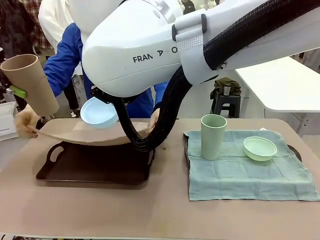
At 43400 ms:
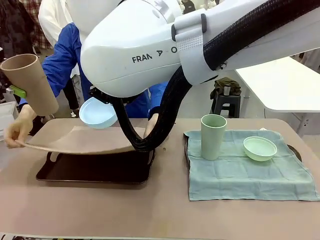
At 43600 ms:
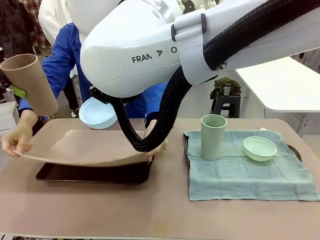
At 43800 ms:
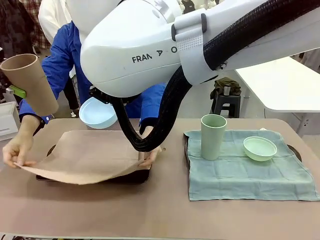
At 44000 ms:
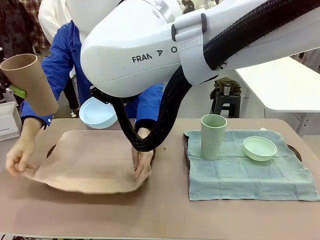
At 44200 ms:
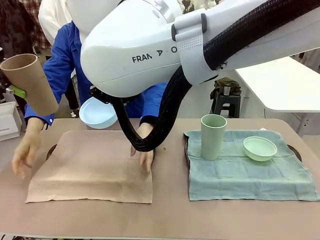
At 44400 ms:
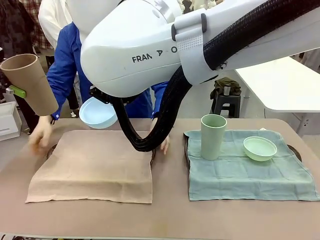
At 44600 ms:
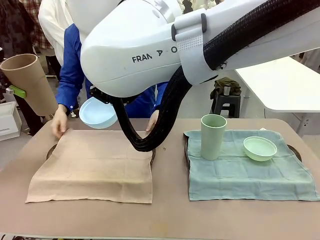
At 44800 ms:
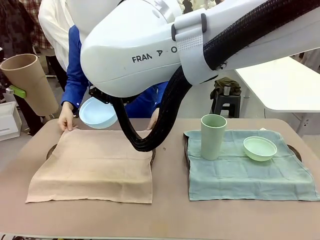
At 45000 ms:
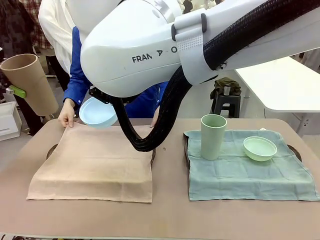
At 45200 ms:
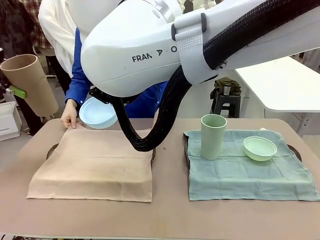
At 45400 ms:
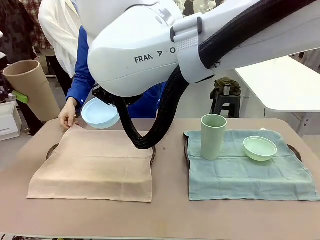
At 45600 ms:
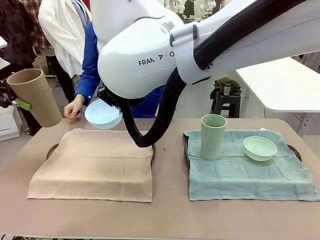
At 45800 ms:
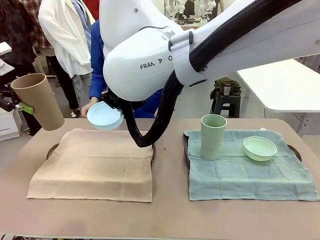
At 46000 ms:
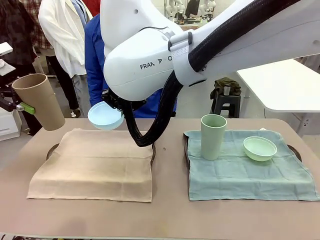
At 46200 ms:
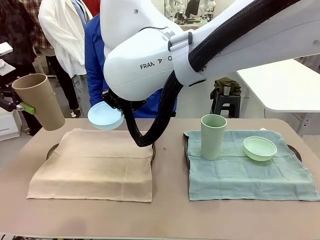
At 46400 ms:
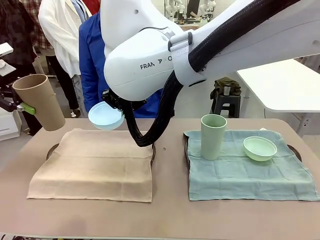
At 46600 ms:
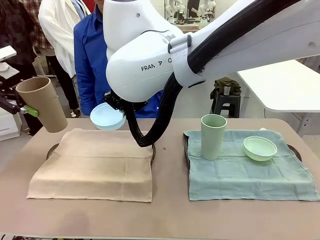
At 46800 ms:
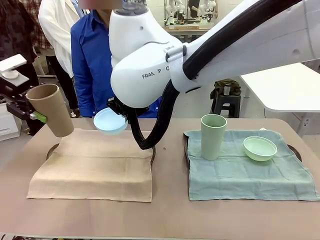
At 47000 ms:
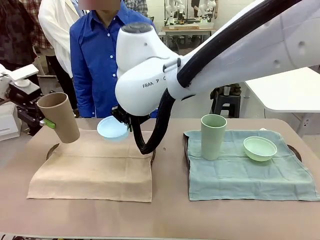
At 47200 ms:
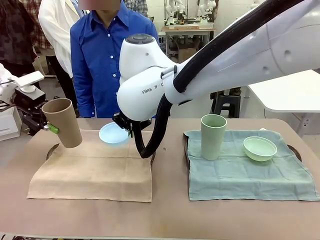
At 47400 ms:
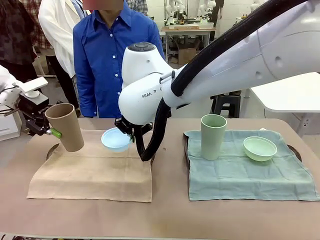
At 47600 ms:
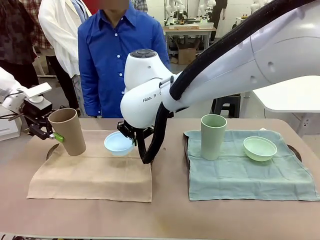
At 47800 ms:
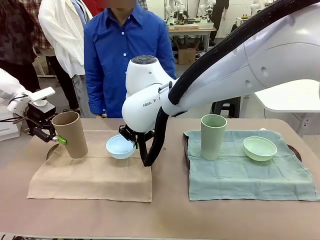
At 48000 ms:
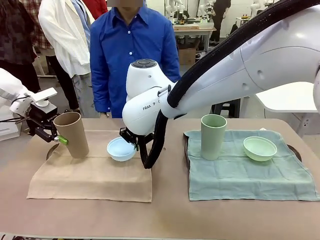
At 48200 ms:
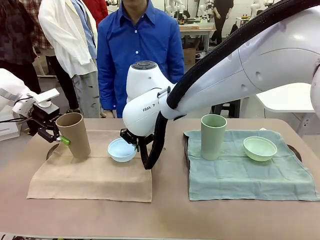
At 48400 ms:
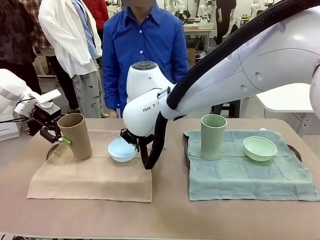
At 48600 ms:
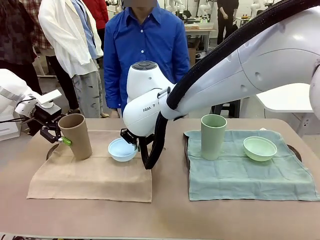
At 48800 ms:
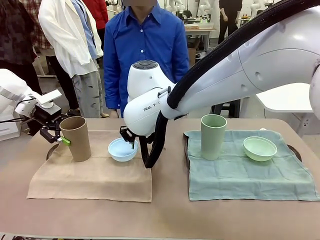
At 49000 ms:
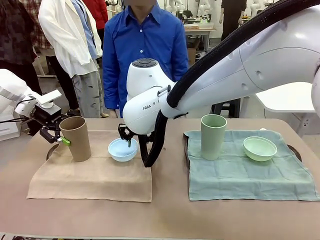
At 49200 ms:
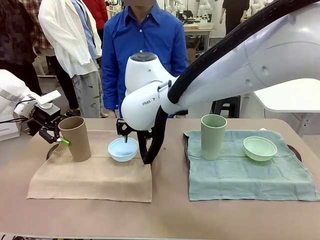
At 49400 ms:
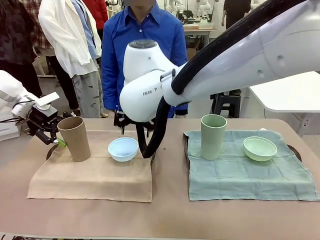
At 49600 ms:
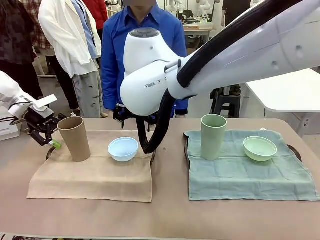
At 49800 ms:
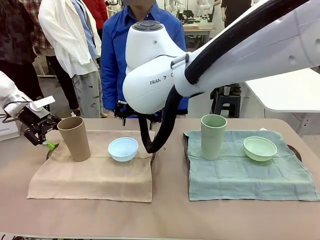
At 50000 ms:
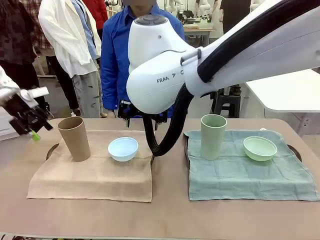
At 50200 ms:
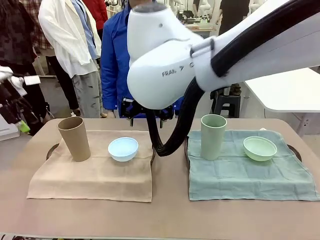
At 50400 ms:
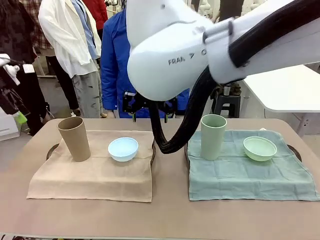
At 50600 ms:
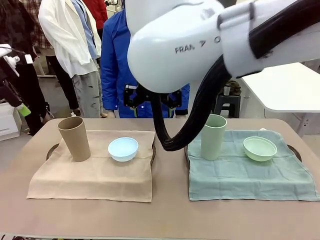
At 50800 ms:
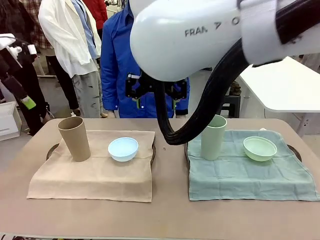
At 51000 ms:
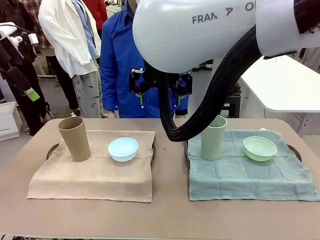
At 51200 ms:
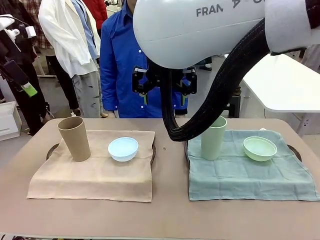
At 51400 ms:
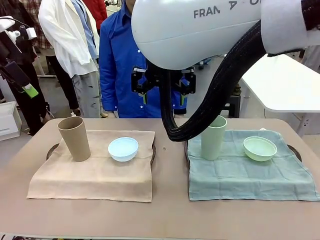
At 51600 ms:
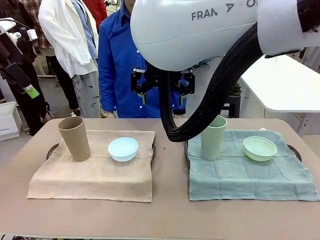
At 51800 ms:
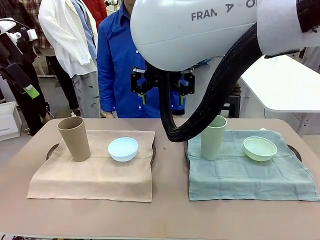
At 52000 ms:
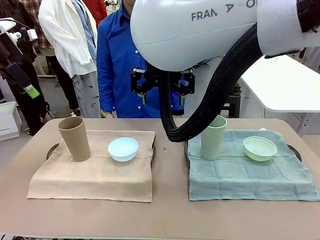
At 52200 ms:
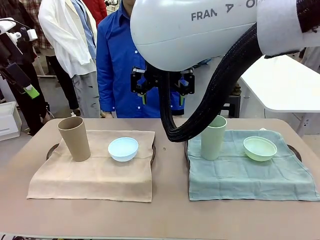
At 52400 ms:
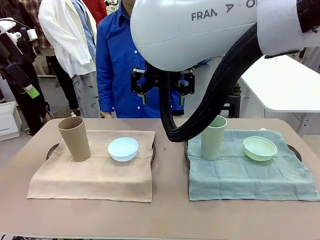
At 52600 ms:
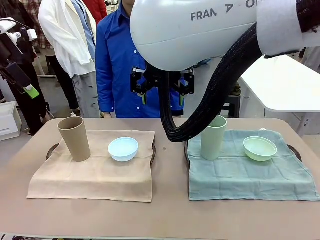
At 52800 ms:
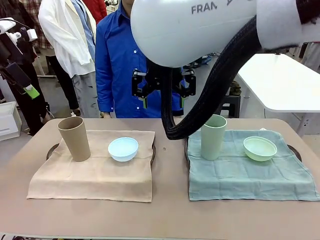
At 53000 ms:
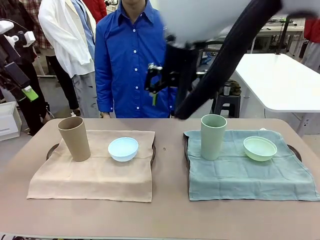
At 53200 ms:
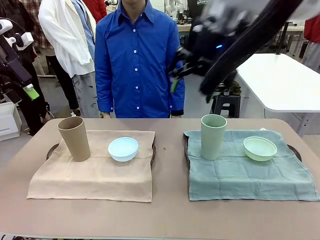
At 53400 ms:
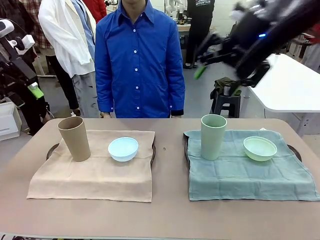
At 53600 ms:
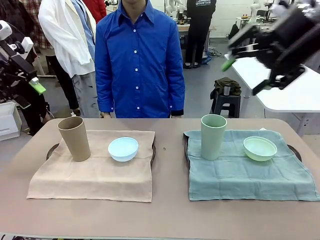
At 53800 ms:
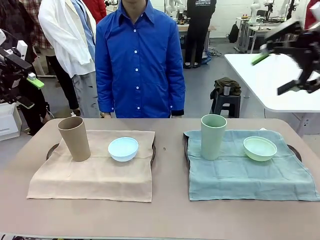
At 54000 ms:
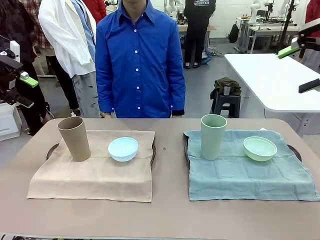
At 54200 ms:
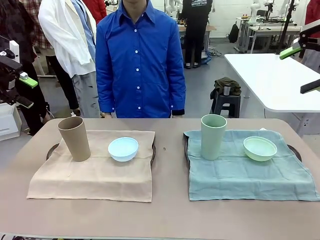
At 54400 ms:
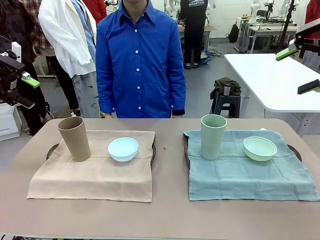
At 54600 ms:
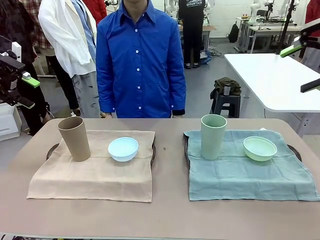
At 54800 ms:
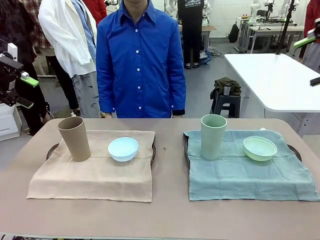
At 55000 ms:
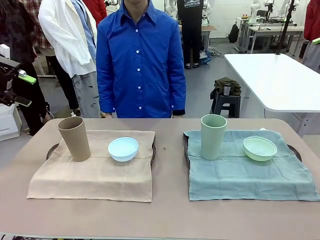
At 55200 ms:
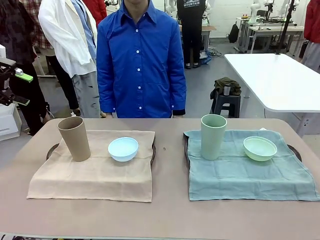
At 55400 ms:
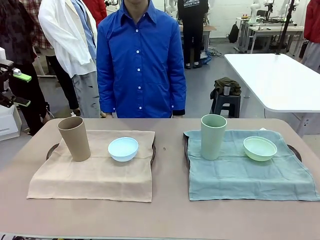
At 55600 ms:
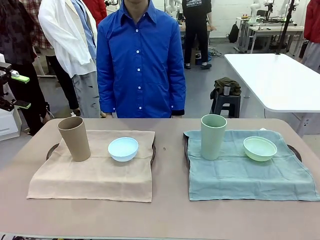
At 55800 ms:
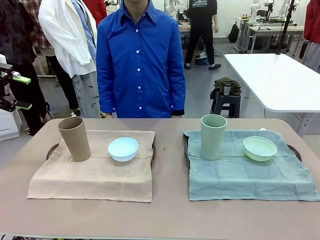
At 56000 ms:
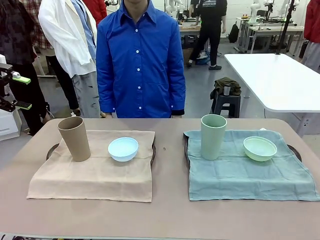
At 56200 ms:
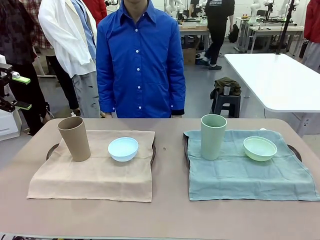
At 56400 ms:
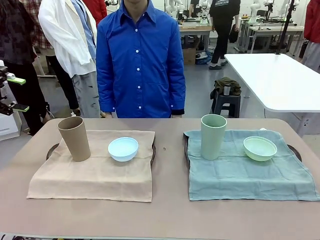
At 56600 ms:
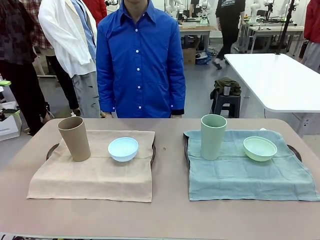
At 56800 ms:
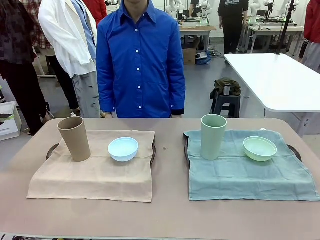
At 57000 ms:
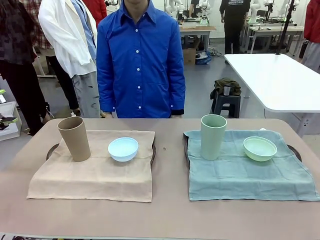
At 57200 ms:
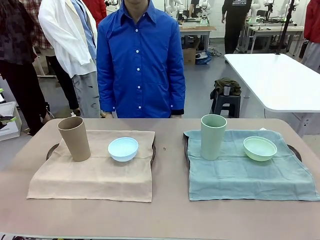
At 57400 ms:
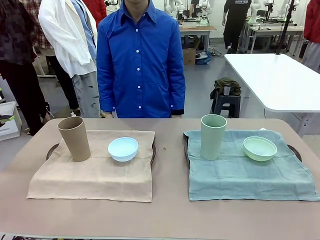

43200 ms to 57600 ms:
Robot: Place the Picnic Bowl and Reusable plastic cup back onto the Handle tray in front of the human's position.
Person: When the robot lifts the bowl and the cup, the human unfolds the napkin and lays the napkin flat on the tray.

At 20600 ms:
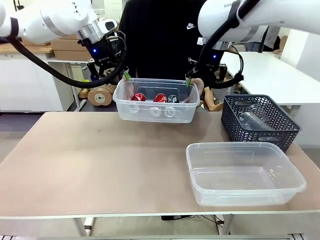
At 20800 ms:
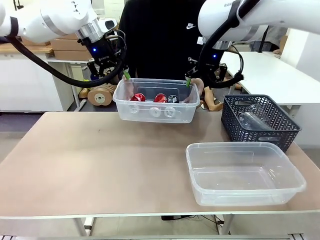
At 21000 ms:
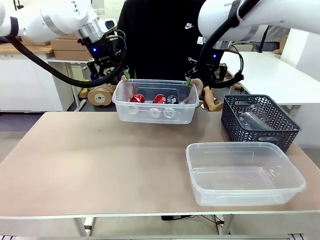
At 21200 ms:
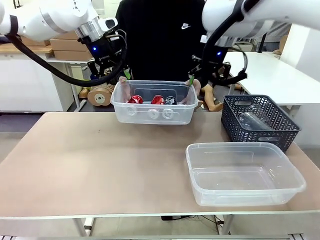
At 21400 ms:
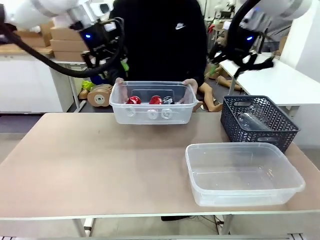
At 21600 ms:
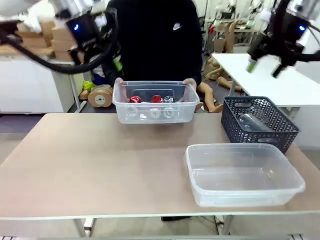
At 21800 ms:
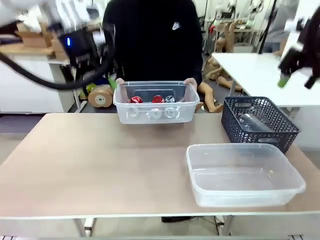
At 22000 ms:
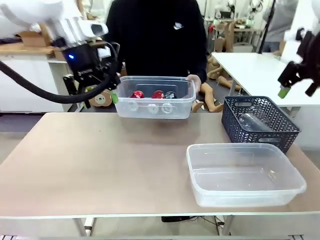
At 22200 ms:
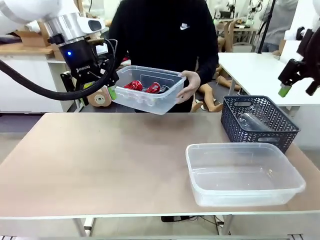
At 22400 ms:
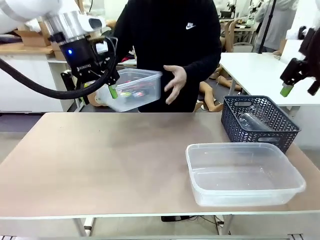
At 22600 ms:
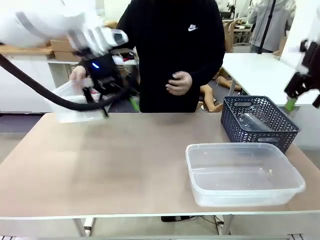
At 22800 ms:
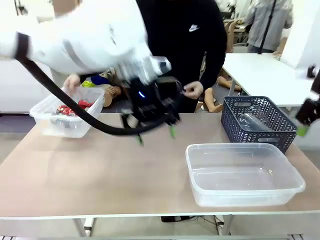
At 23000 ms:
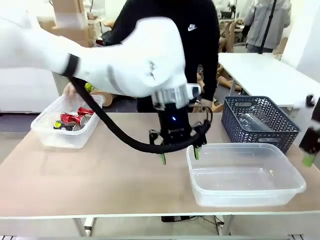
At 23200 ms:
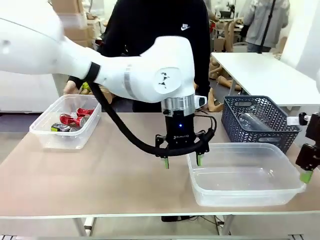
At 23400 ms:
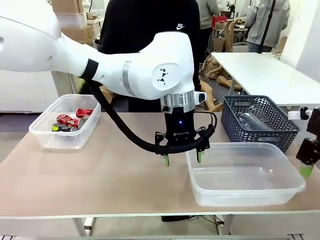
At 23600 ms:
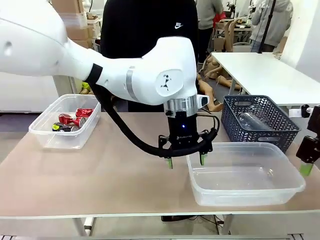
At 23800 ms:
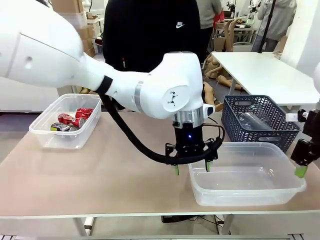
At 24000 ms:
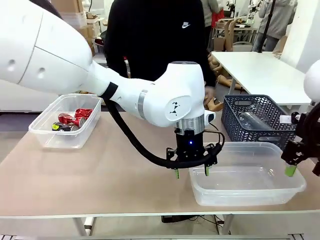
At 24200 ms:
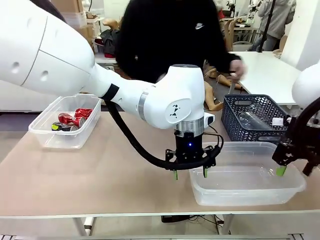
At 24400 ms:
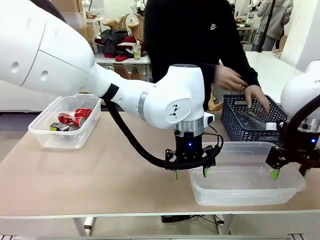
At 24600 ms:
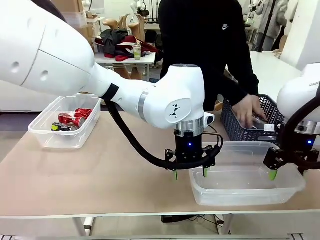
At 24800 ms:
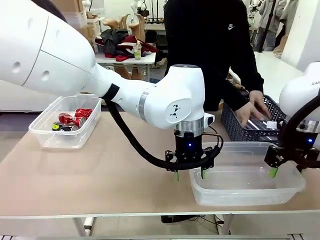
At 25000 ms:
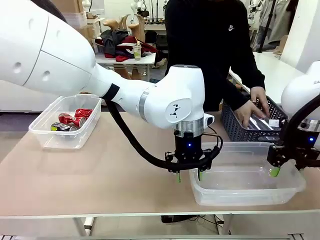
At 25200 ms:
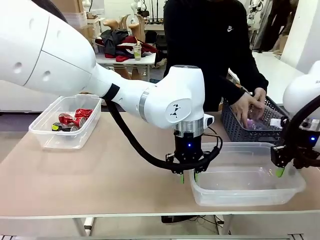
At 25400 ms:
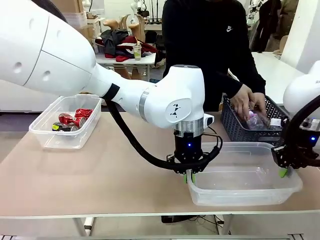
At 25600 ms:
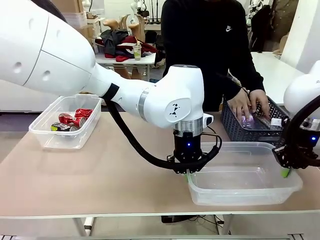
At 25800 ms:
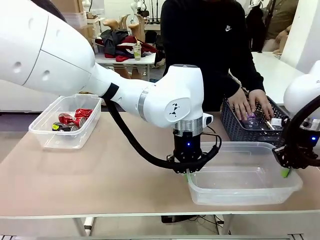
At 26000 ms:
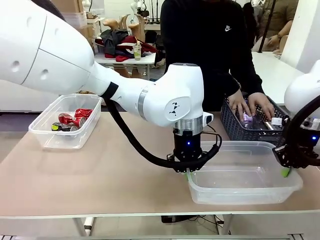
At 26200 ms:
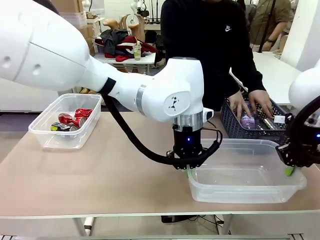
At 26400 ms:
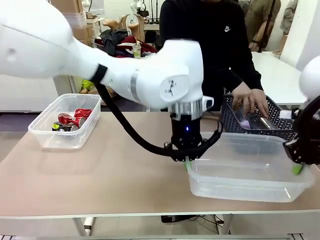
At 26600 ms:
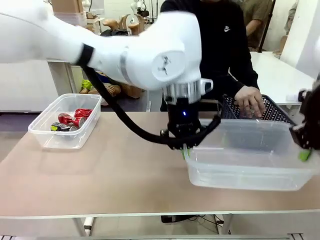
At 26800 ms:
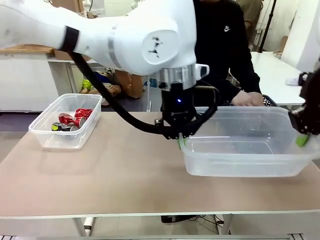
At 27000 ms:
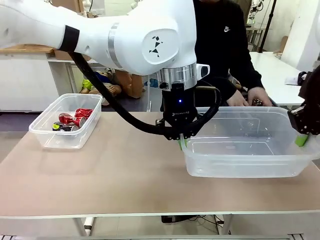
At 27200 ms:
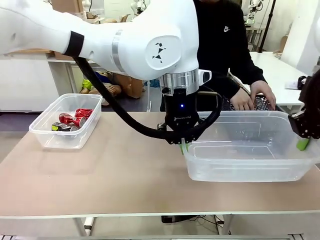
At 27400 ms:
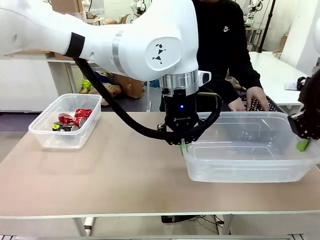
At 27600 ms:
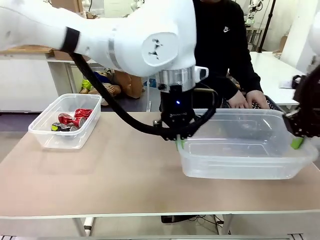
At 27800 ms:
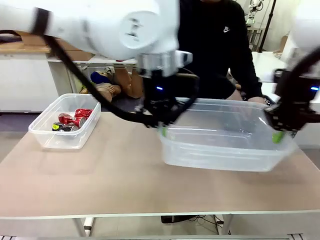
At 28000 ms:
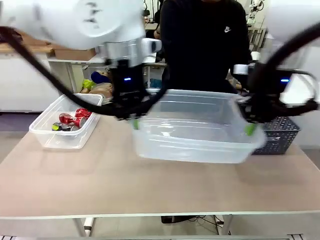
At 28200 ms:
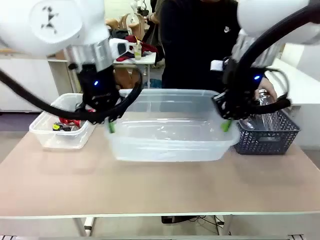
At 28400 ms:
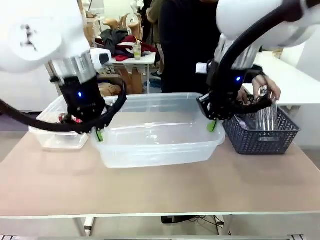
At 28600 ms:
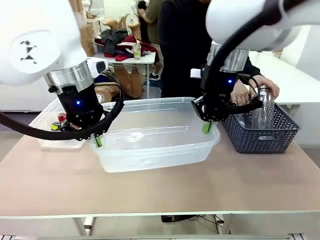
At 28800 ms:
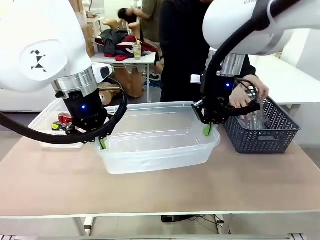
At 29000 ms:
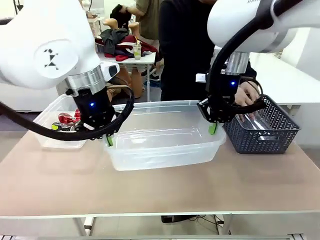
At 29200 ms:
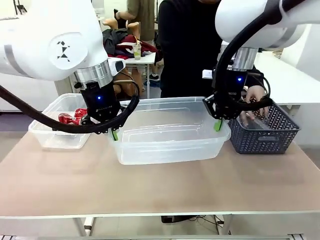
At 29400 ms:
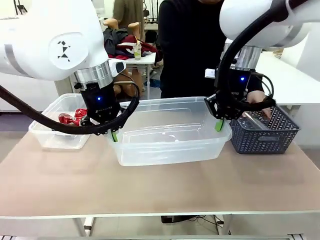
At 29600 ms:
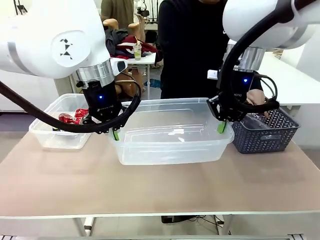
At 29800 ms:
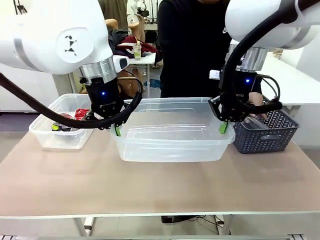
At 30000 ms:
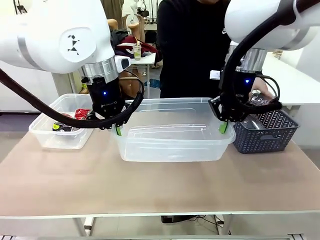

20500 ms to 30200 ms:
Robot: Pick up the Organizing box on the right side of the table and lift it.
Person: Place it at the edge of the bottom right area of the robot table. Pick up plastic waste one by one and place it into the organizing box lifted by the robot.
